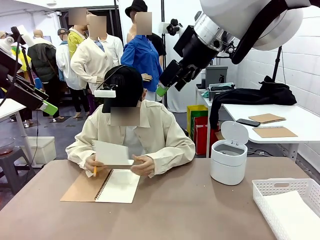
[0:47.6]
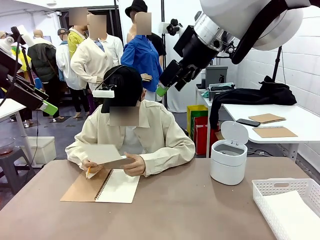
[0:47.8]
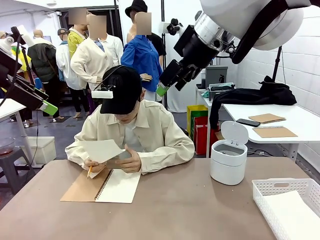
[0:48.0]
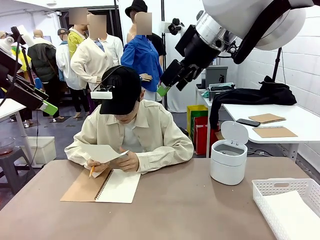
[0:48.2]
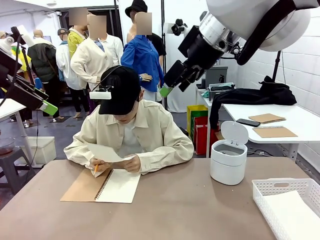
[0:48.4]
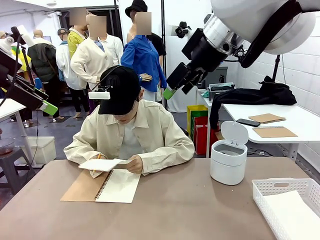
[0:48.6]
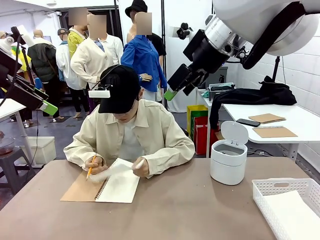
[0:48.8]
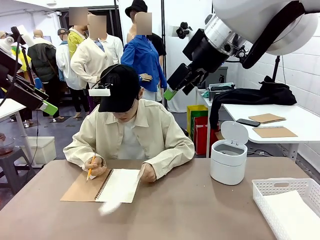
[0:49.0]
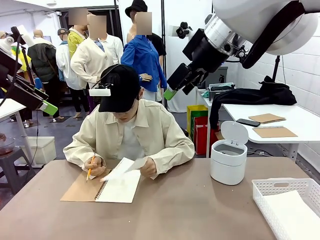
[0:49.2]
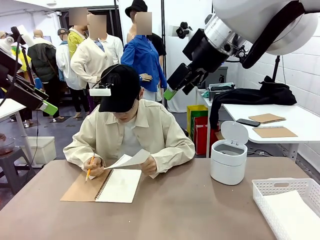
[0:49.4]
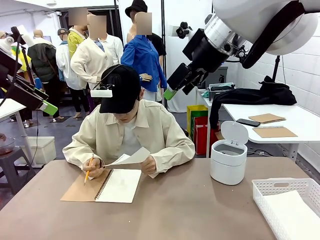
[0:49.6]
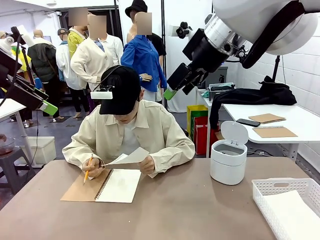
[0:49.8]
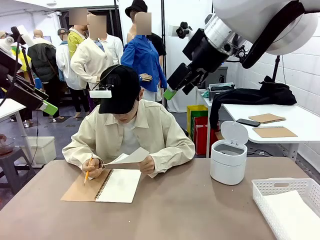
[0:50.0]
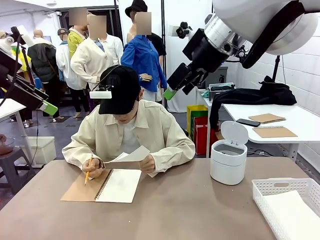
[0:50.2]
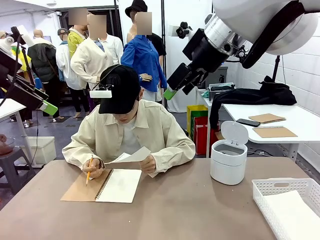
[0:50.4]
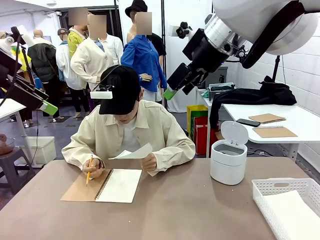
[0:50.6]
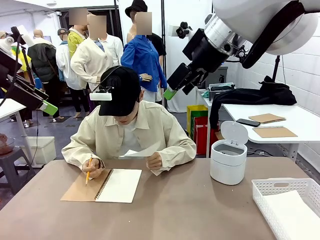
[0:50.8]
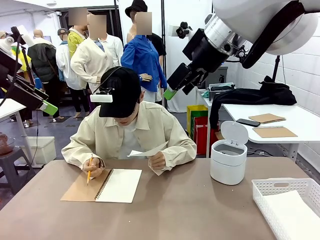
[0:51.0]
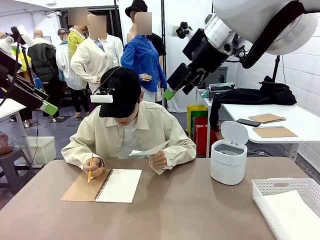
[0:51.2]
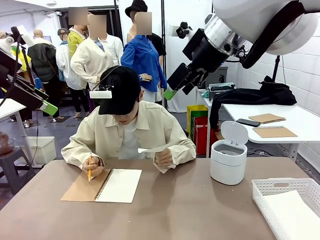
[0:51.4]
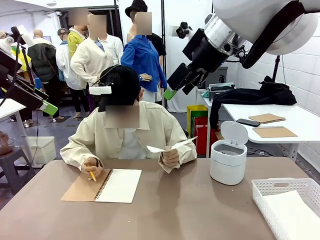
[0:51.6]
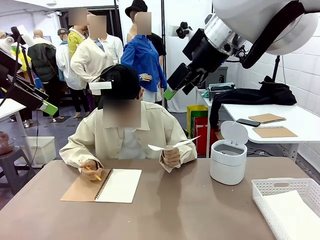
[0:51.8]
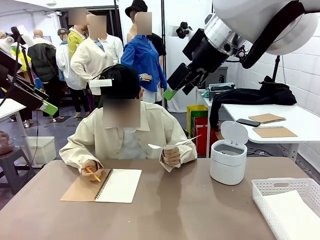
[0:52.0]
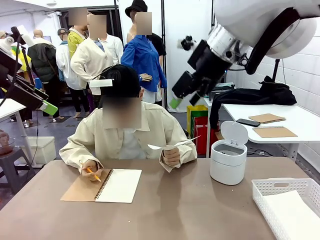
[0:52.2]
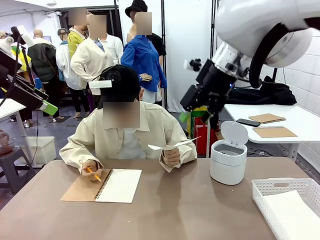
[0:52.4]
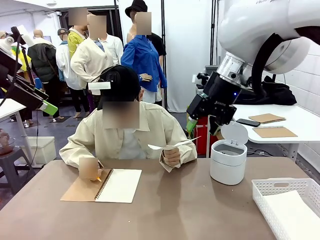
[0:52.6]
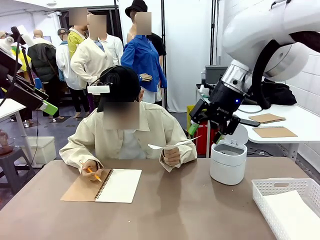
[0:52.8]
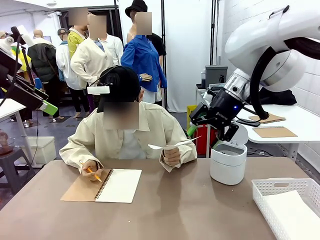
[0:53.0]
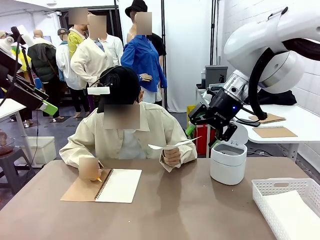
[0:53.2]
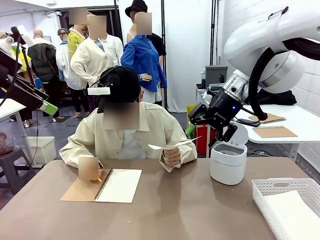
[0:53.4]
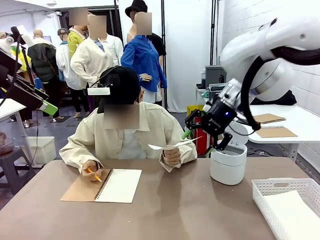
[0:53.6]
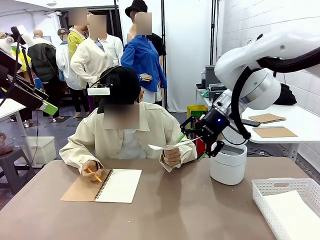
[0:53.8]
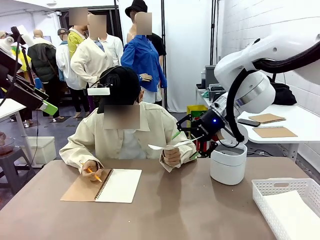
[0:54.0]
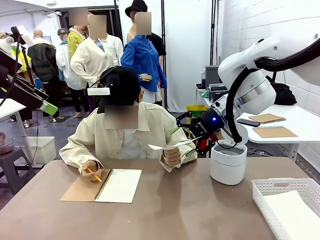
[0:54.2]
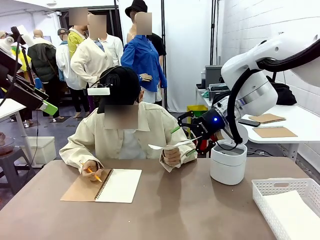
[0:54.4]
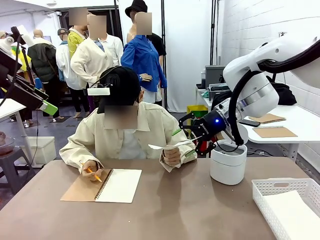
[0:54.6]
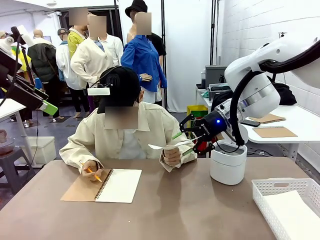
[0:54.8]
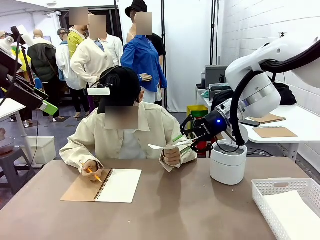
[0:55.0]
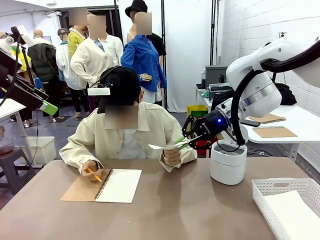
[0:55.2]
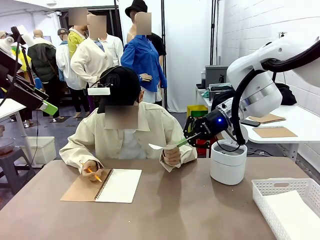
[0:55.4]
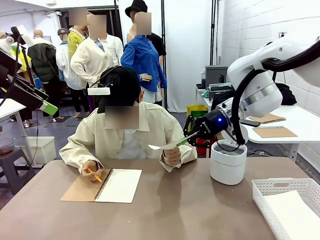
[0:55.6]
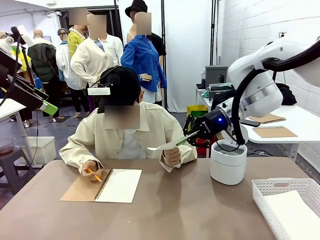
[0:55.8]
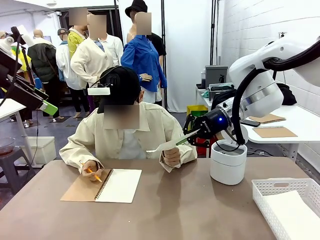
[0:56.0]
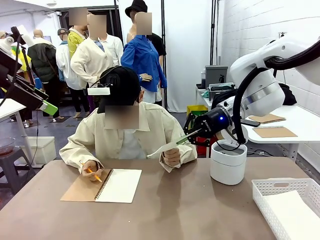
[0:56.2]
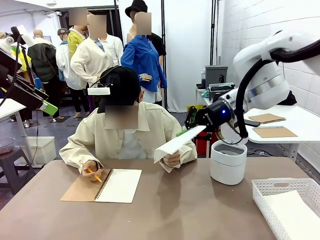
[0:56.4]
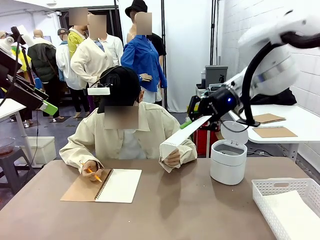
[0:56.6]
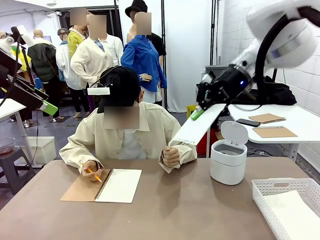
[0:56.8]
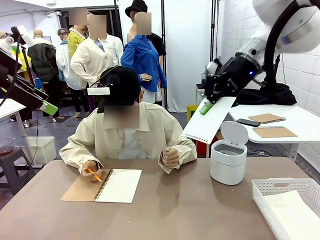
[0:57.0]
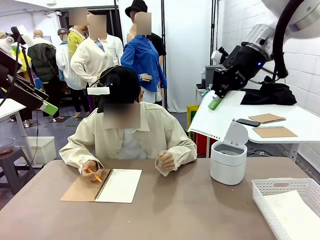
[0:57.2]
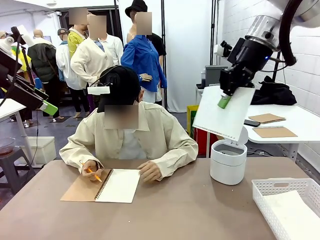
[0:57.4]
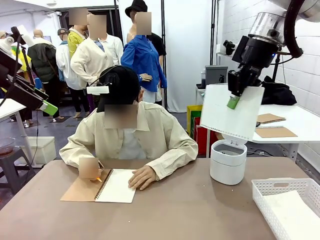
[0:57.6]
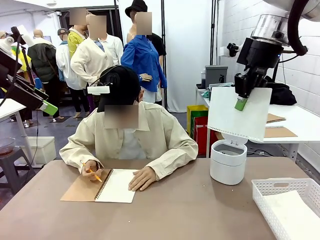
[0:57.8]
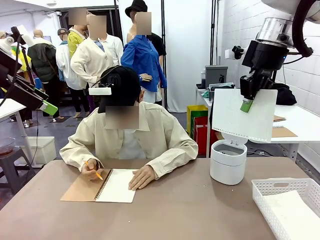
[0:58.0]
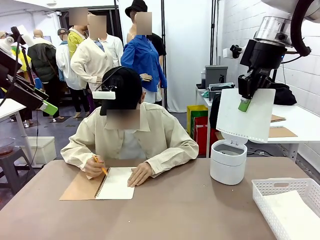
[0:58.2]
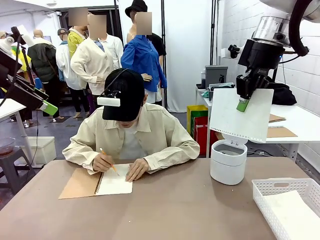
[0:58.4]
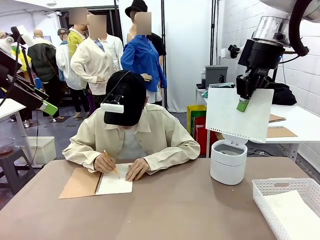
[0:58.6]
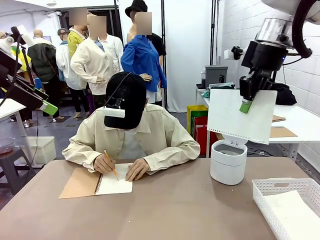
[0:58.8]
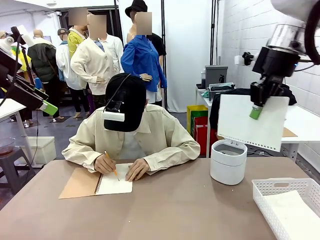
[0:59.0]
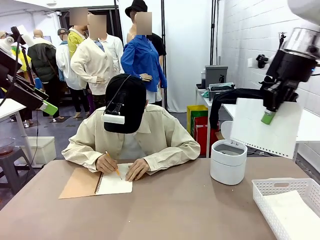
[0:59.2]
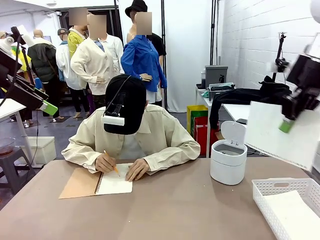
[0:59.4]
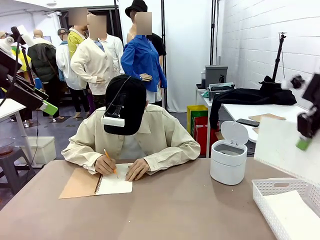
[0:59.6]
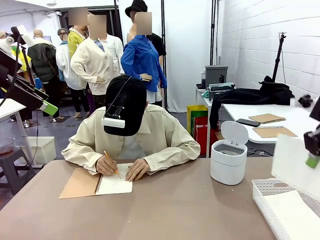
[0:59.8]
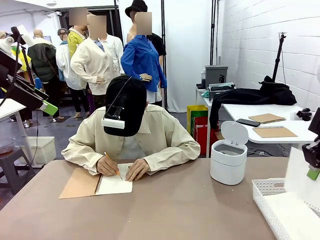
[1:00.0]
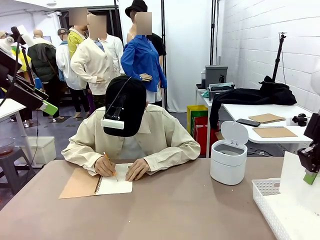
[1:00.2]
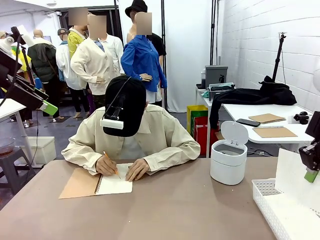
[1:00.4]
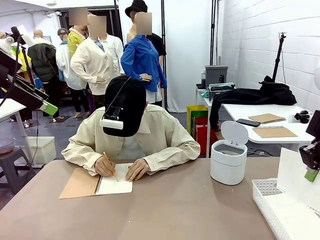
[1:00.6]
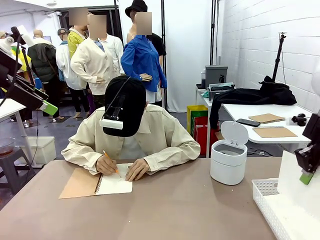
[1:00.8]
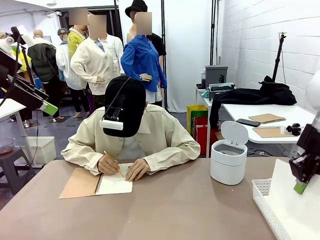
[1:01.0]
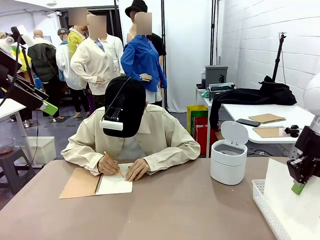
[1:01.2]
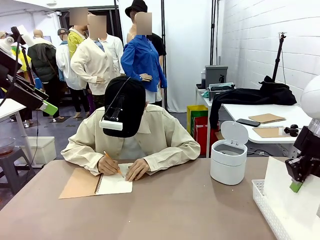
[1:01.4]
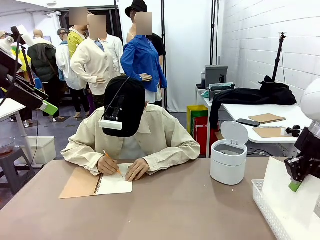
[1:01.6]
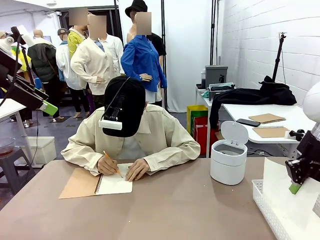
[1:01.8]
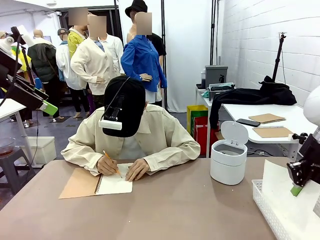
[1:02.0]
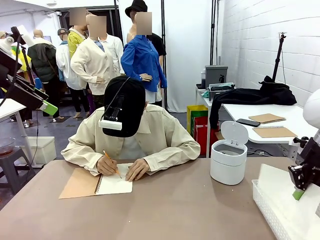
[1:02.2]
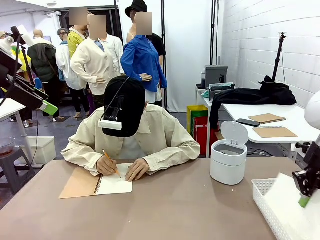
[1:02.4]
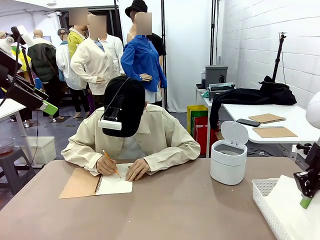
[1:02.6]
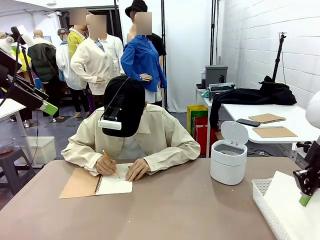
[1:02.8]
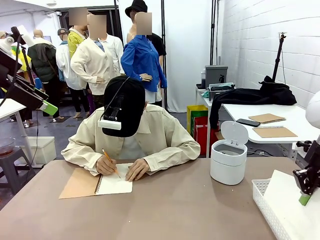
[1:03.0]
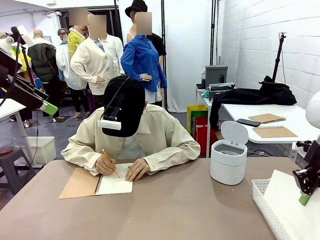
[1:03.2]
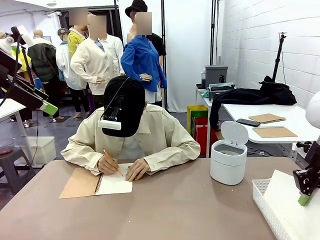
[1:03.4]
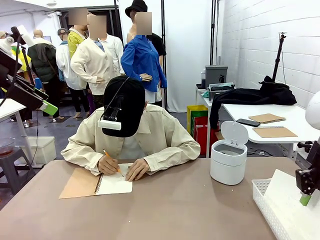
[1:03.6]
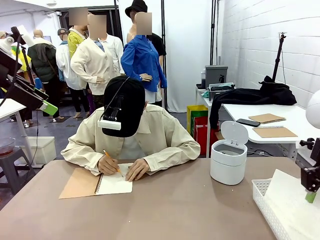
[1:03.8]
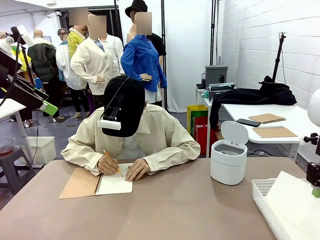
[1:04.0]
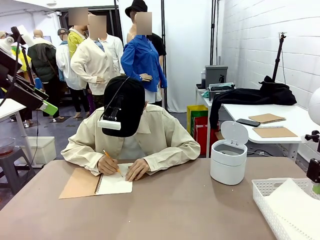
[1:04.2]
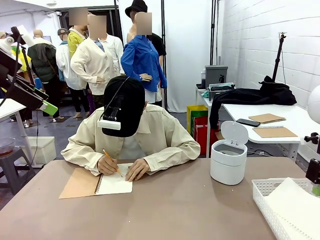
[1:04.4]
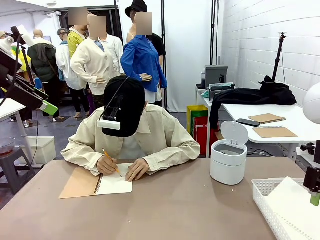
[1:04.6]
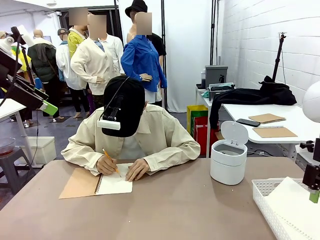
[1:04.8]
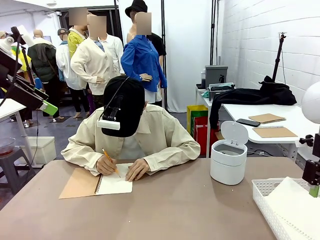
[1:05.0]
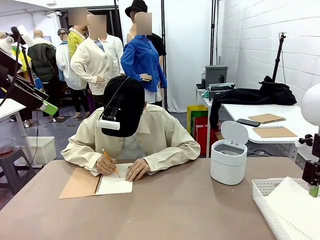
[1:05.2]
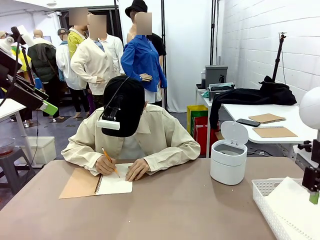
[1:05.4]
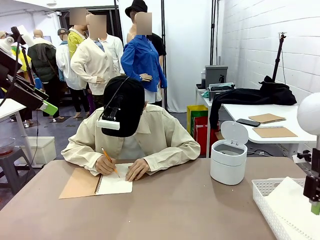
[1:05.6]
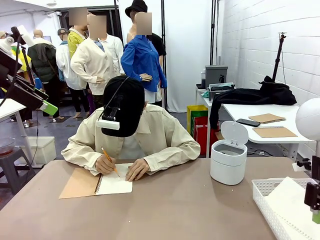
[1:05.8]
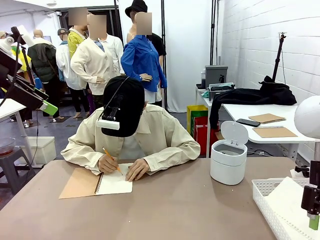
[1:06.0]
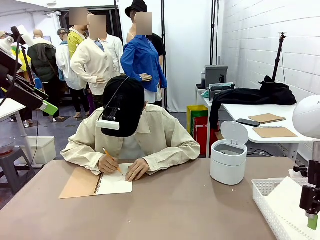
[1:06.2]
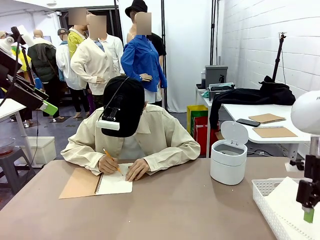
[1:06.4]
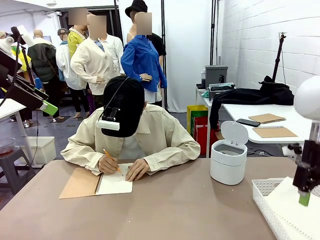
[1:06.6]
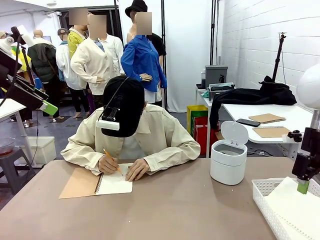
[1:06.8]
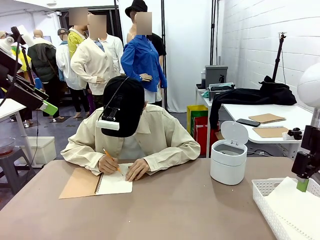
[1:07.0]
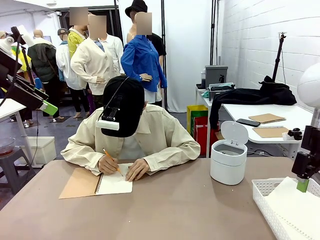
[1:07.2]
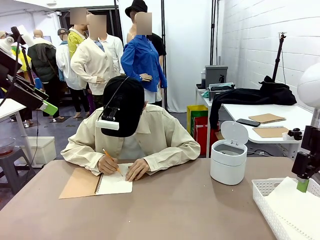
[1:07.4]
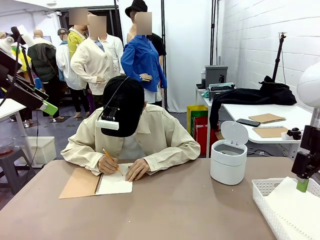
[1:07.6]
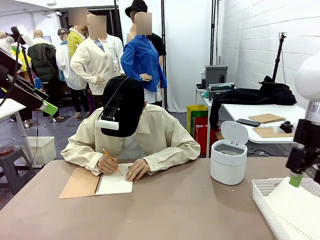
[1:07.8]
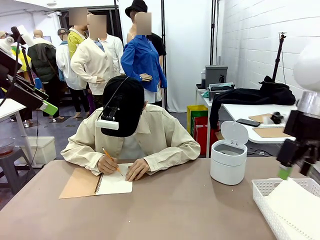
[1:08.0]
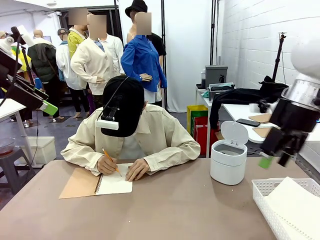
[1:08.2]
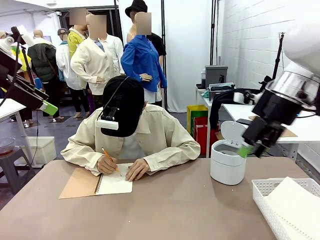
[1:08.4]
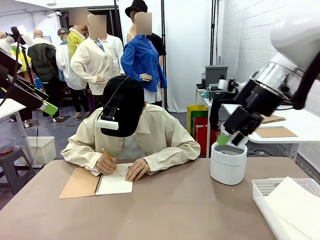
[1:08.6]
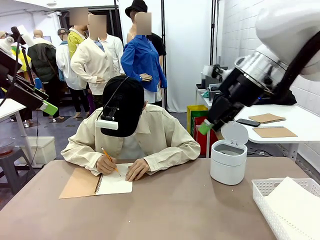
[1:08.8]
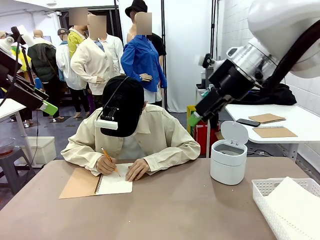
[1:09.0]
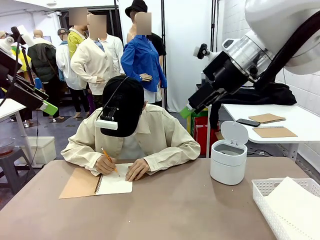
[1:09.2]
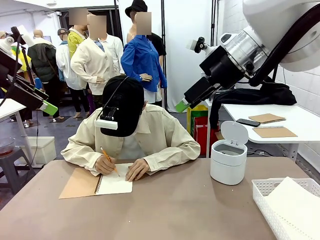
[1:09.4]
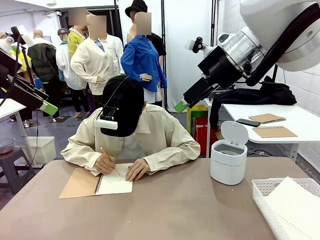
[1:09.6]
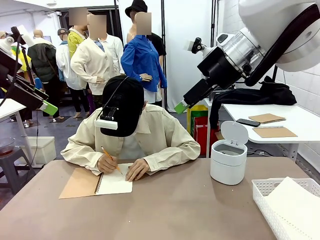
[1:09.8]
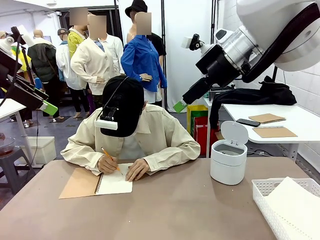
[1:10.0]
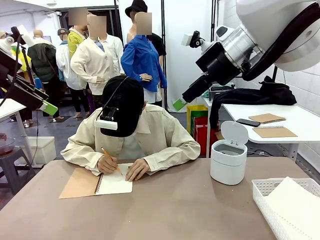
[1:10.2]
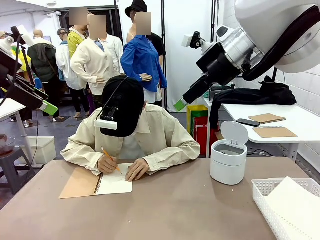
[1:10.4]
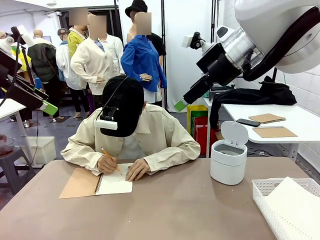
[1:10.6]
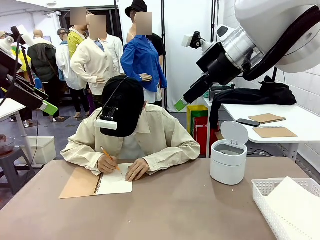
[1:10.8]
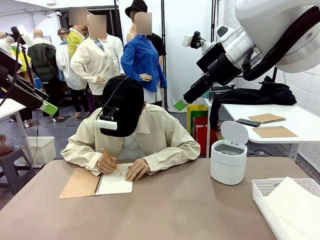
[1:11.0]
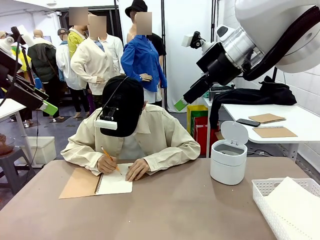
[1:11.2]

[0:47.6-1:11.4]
Task: Sort the paper based on its condition.
Robot: If a person hands you a paper, place it in the Organizing basket , and if it's crumpled, put it in the Trash can.
Person: Hand the torn page to the robot or crumple it and throw it to the center of the table.
